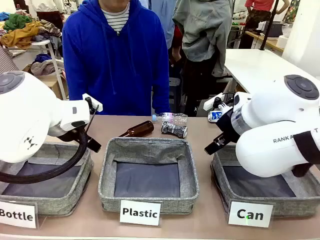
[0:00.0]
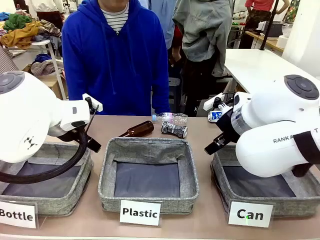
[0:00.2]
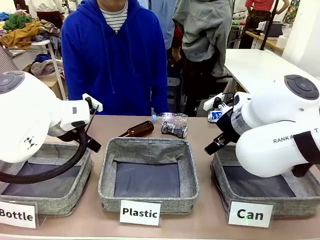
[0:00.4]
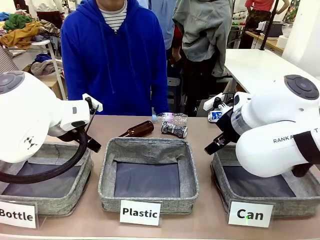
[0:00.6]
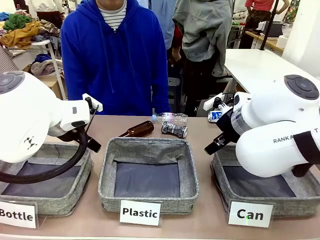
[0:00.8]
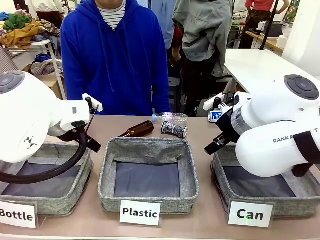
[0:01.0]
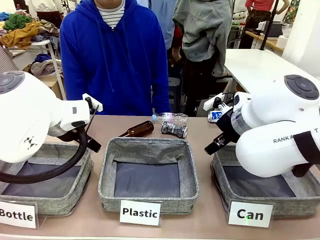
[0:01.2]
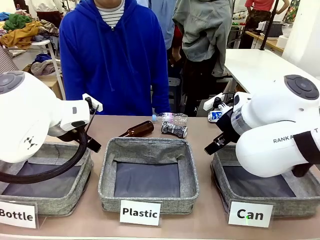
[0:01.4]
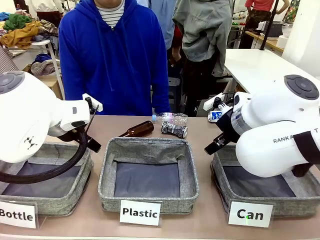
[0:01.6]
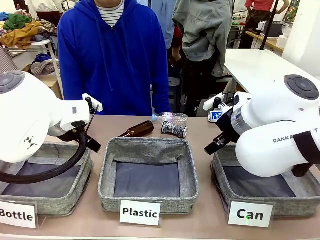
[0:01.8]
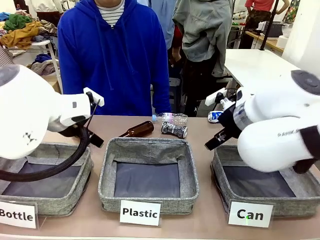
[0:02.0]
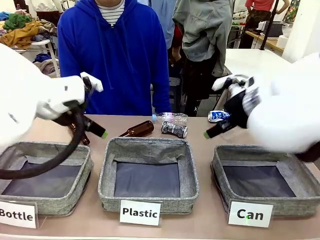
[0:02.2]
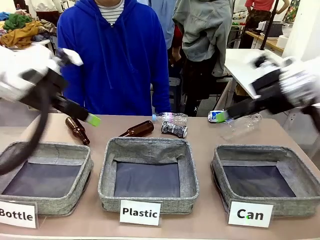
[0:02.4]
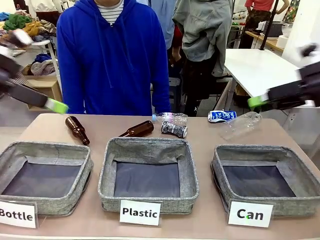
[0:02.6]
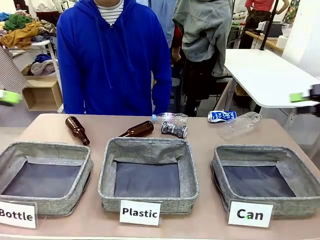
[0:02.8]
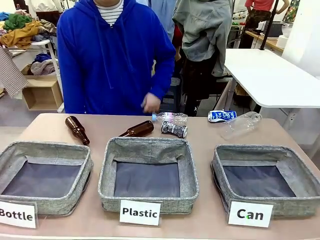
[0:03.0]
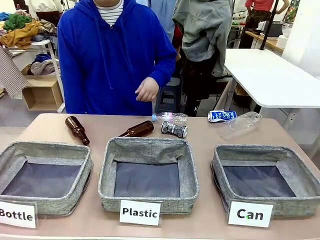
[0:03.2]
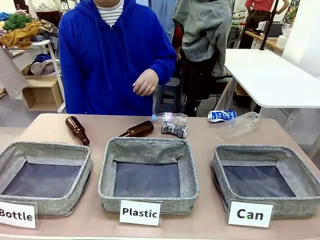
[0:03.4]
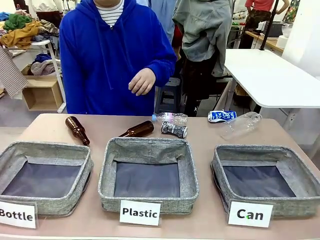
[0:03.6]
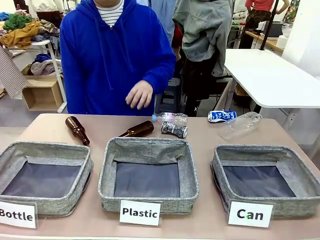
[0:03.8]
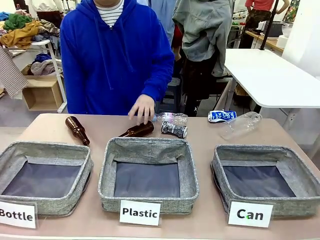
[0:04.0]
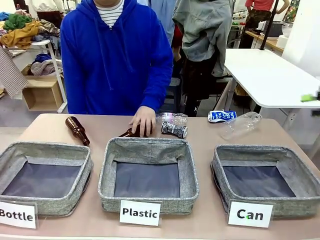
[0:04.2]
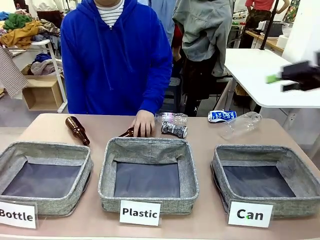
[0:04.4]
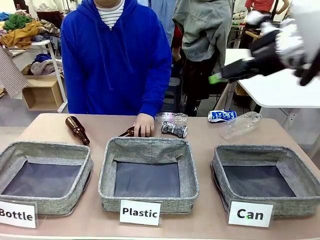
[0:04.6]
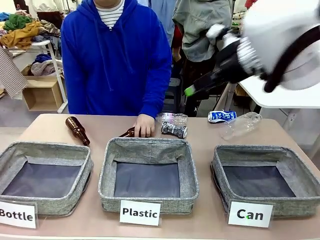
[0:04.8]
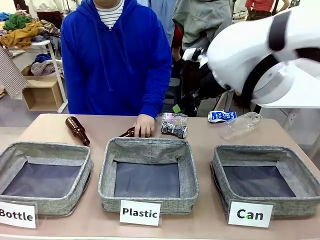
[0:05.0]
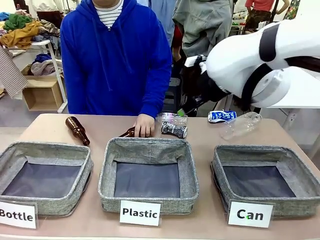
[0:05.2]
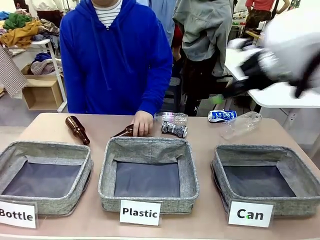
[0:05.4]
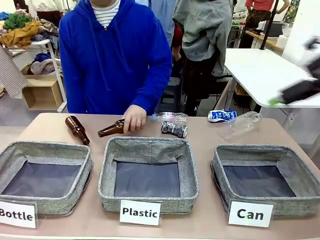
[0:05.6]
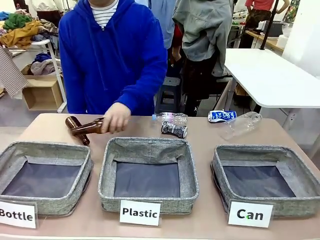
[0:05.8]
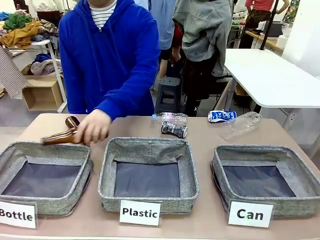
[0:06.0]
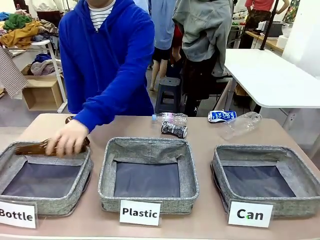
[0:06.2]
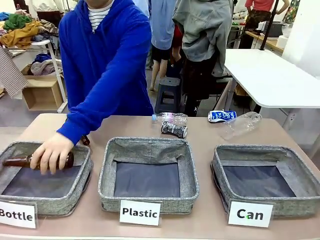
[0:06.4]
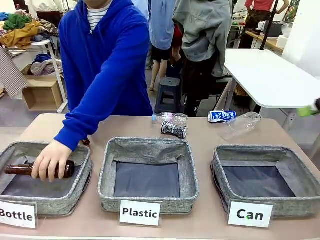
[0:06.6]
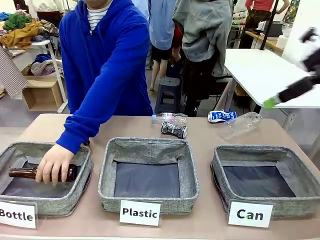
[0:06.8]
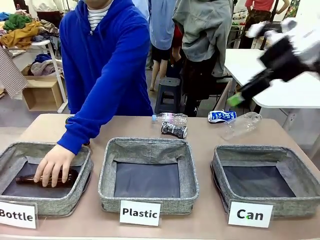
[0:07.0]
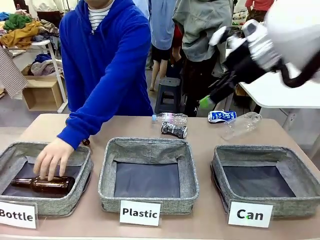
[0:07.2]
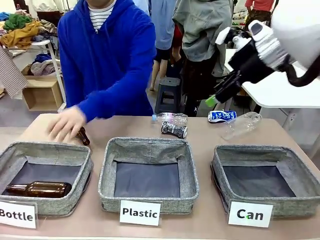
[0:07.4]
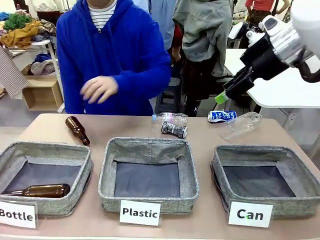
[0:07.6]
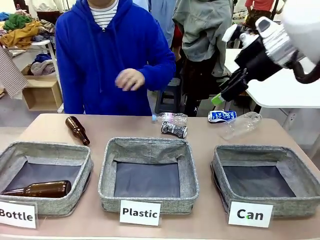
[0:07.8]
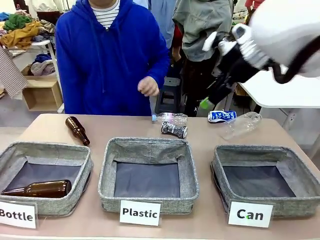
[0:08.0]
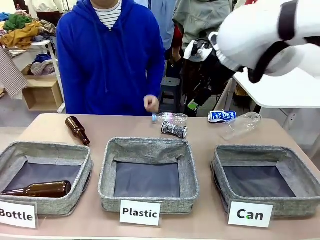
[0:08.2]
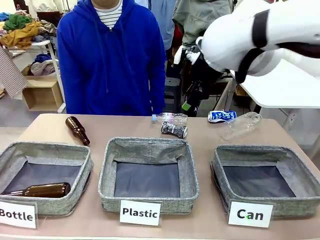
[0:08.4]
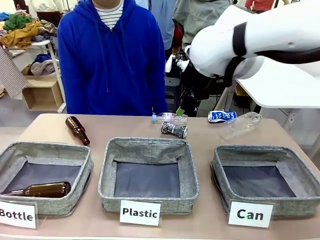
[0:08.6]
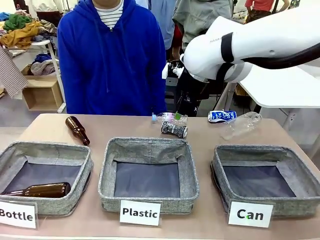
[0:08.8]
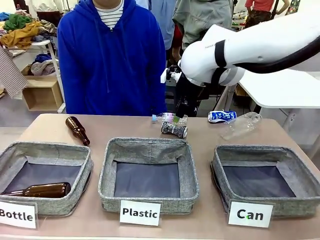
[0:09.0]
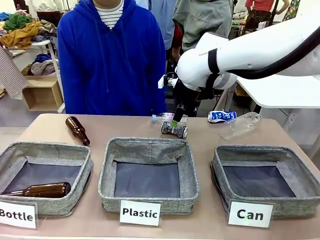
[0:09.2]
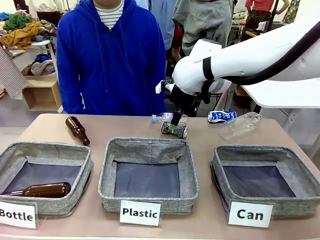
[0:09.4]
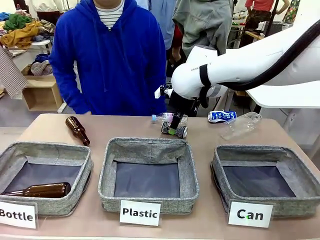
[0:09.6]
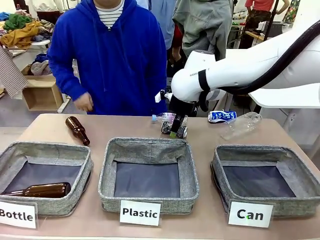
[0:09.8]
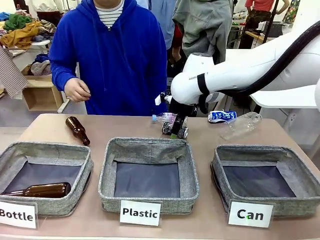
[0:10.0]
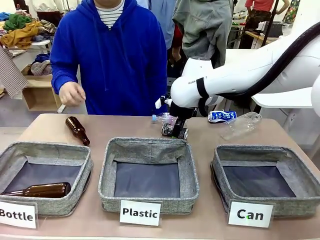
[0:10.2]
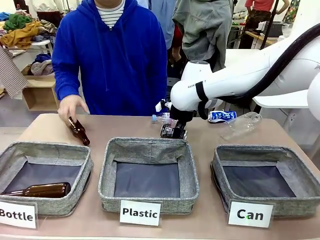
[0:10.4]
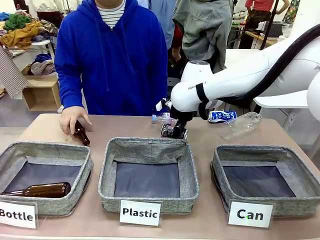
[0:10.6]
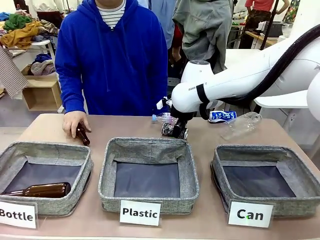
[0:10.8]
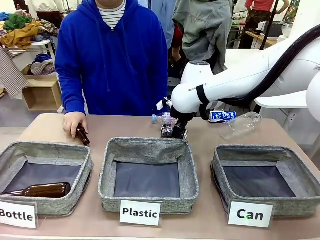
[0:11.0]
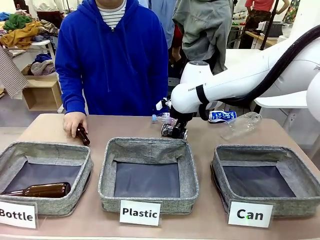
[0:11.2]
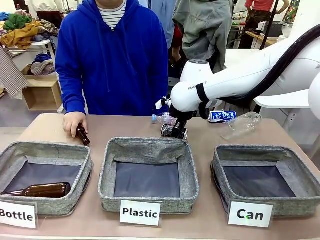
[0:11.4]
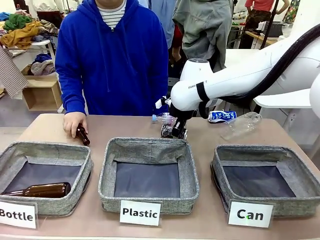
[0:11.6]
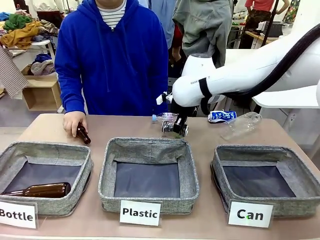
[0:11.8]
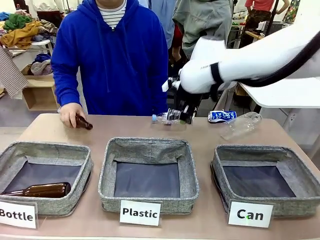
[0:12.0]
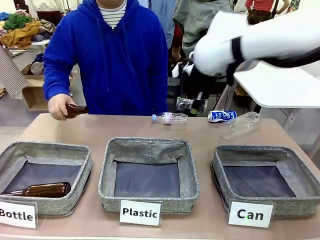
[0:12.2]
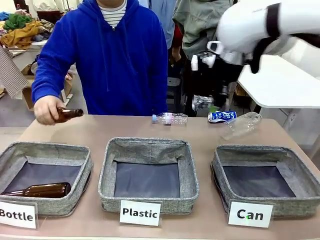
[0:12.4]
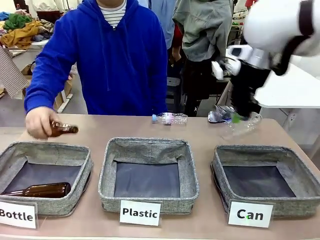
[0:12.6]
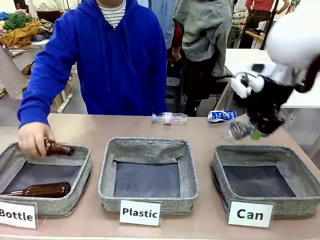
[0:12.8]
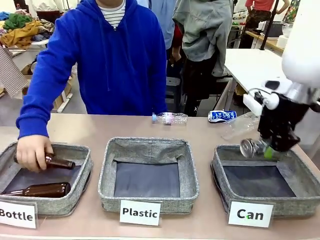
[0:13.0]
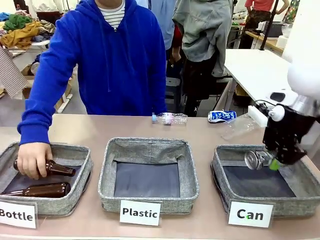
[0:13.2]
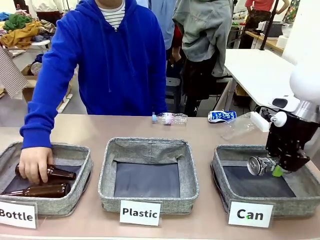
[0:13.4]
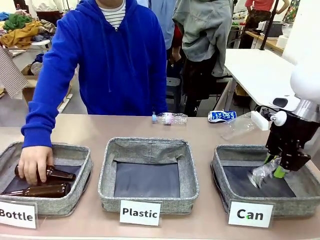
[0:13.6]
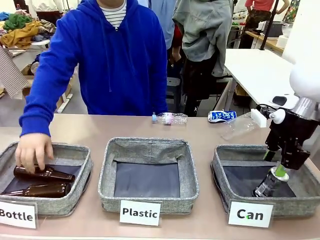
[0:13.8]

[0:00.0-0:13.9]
Task: Sort the can waste into the basket.
Robot: Pick up the can waste from the table and place it in the right Fabric basket.

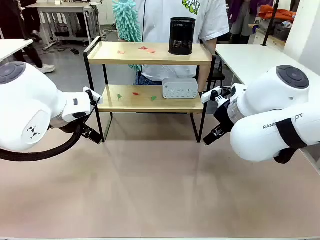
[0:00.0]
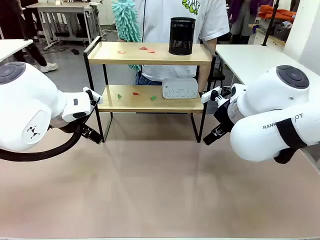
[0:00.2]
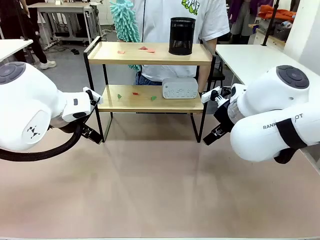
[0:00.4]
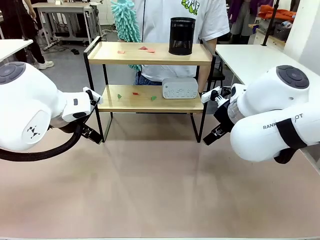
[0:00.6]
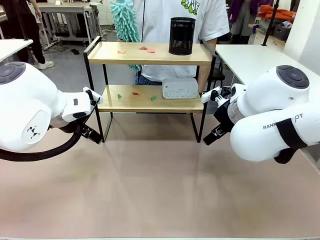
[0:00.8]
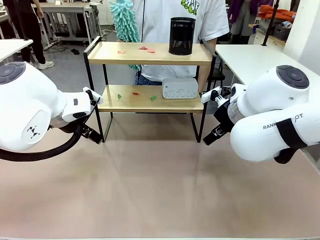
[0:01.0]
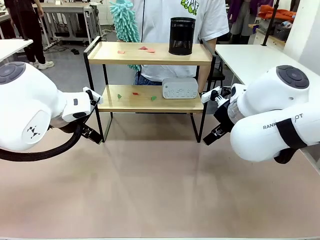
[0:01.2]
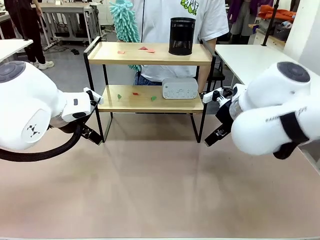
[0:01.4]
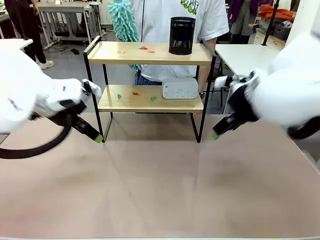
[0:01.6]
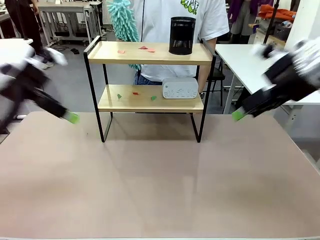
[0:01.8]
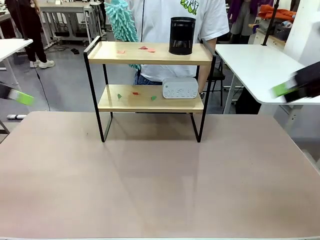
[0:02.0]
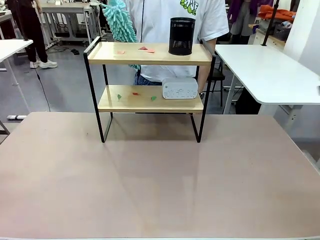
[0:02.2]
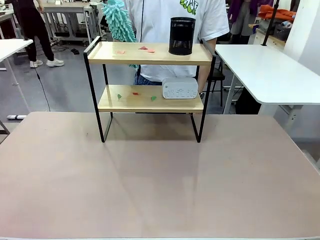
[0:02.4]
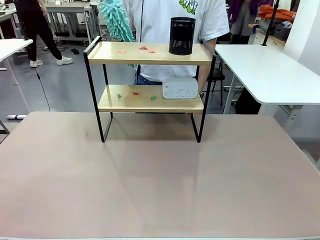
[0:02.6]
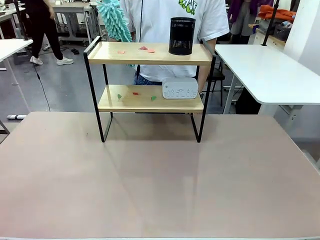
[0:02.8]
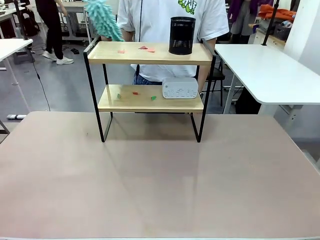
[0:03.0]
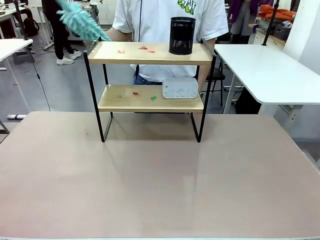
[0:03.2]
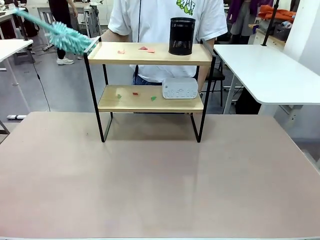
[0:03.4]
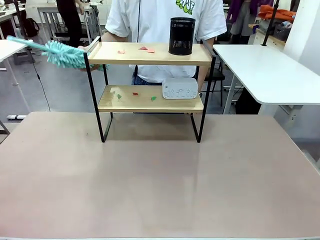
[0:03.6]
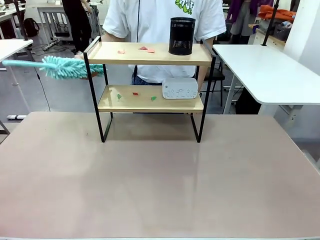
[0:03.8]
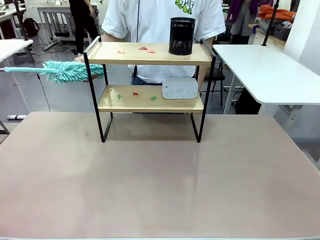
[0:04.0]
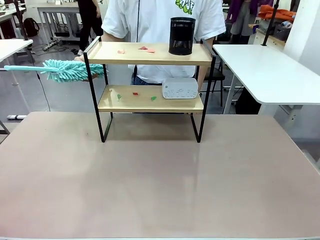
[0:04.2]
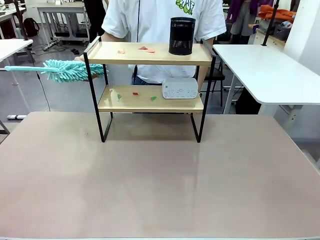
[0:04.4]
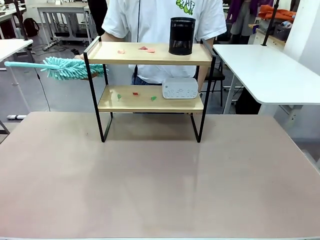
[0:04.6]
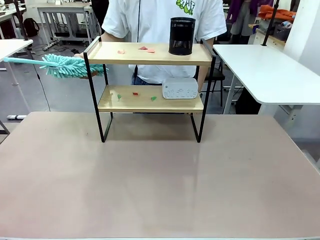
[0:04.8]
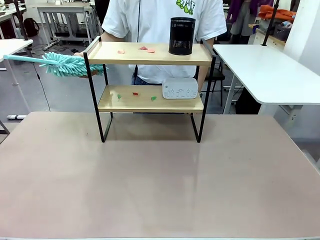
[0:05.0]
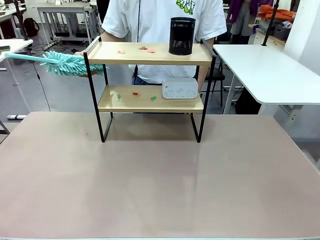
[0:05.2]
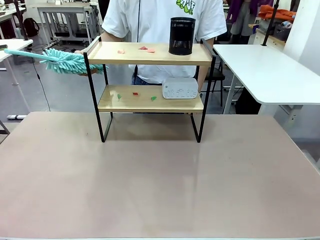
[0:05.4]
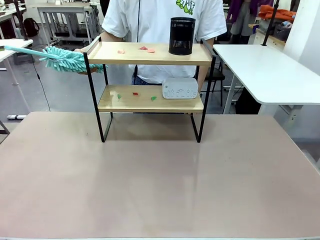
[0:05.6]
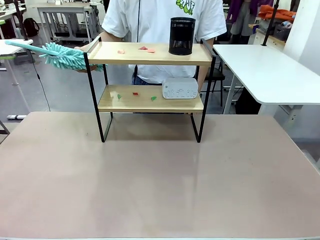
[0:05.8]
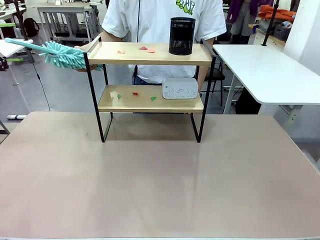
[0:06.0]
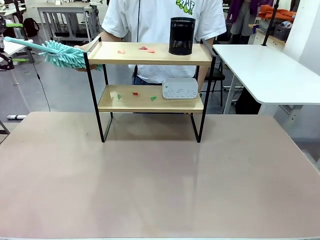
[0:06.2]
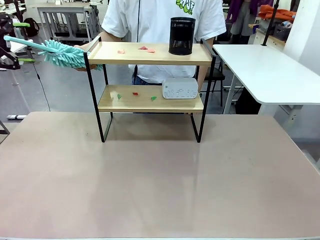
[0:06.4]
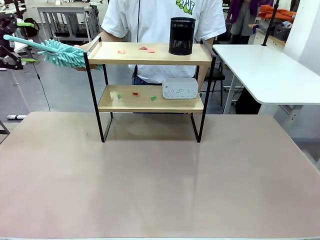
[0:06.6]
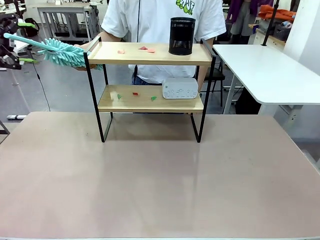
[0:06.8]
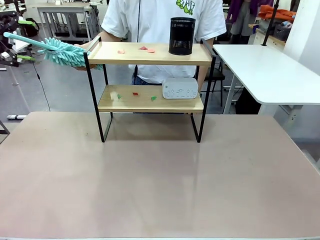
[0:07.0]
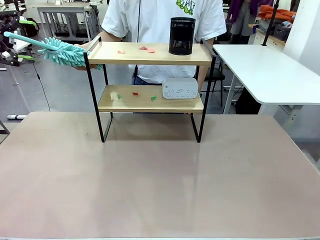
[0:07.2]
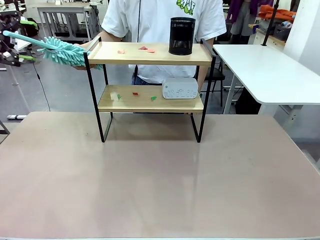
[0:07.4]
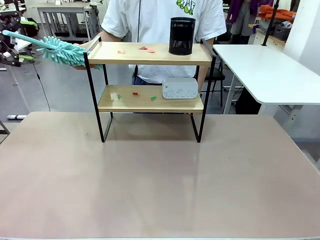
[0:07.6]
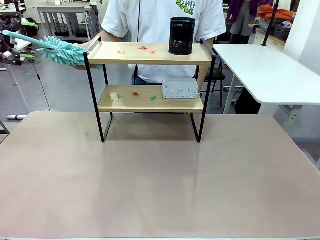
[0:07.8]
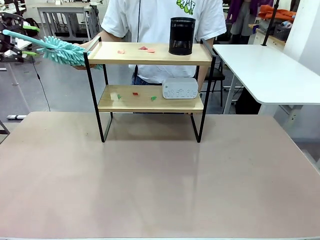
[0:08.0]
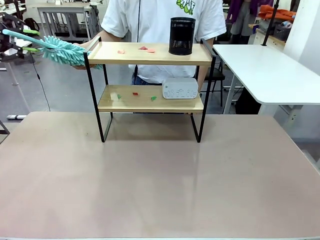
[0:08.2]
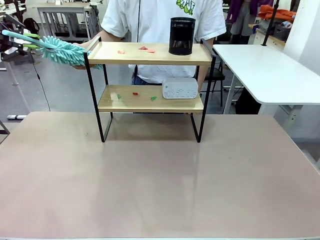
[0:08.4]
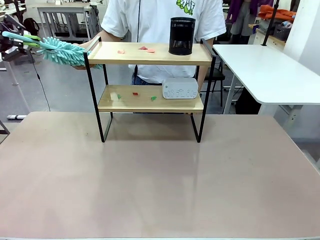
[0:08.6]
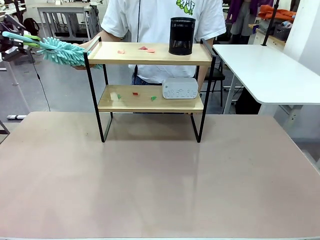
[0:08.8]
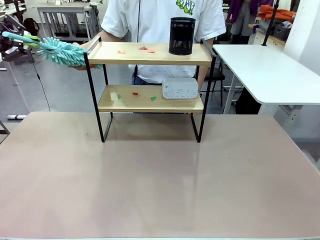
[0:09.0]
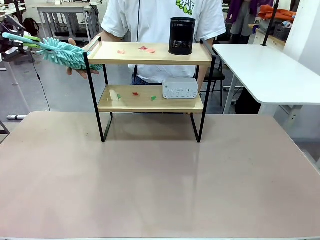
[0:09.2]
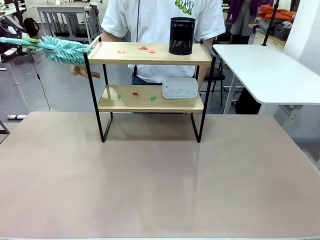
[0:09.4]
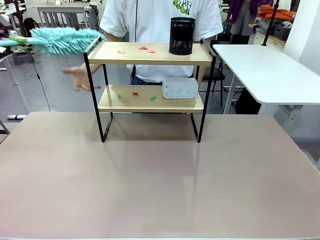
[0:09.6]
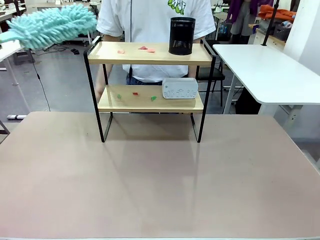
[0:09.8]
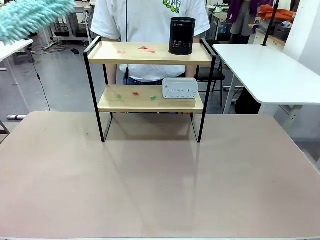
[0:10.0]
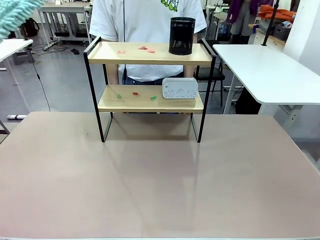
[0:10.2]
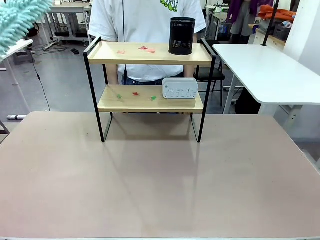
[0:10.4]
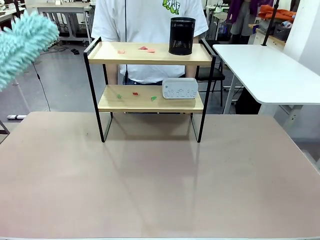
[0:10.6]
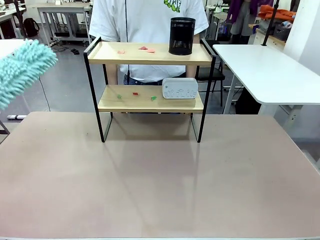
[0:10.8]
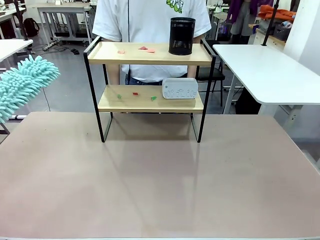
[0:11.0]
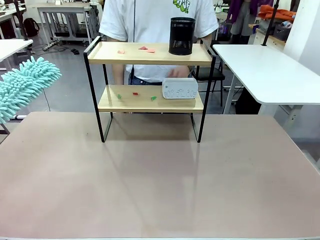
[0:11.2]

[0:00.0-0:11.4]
Task: Clean the shelf.
Robot: Pick up the Duster from the human.
Person: Hand the Duster to the robot.
